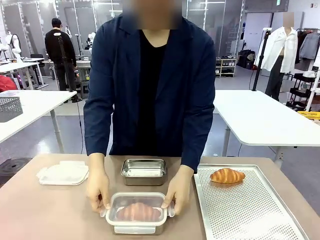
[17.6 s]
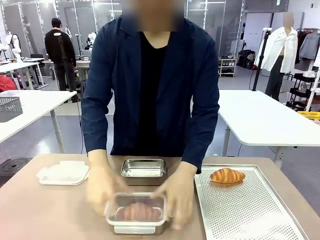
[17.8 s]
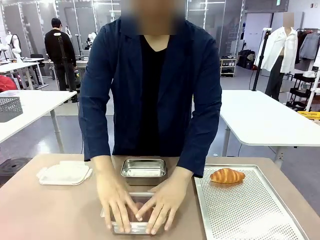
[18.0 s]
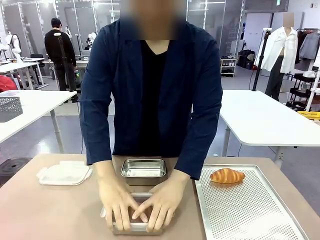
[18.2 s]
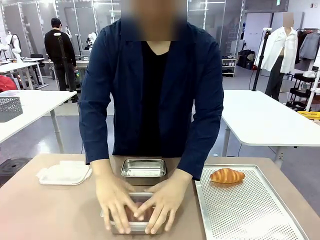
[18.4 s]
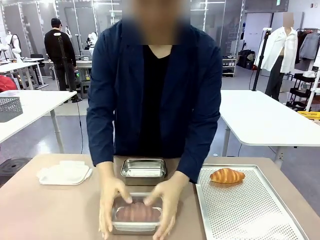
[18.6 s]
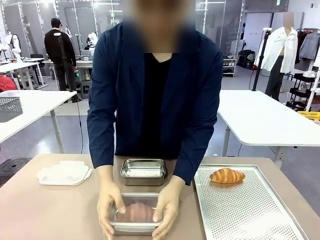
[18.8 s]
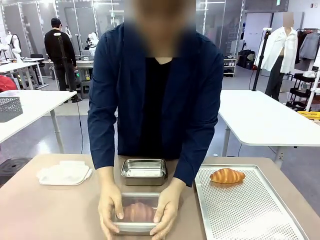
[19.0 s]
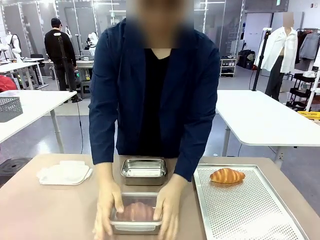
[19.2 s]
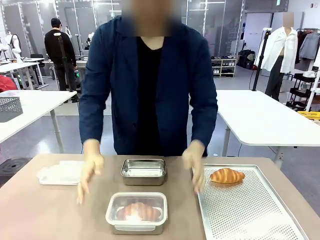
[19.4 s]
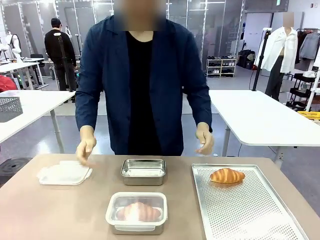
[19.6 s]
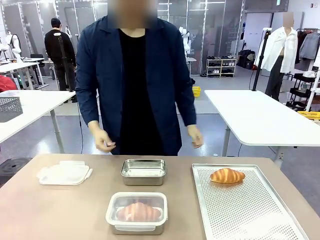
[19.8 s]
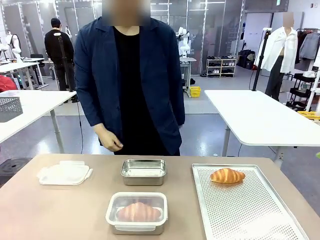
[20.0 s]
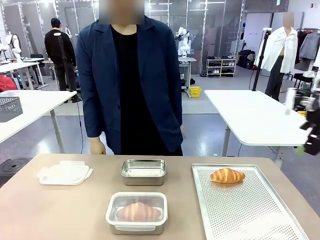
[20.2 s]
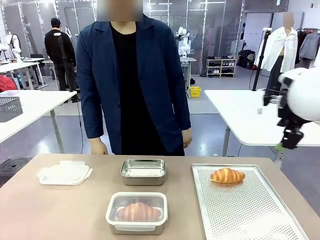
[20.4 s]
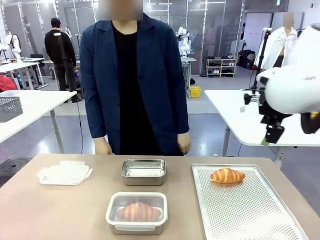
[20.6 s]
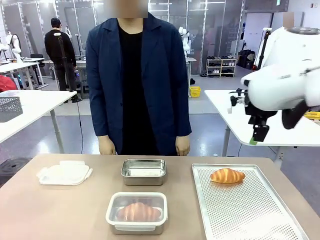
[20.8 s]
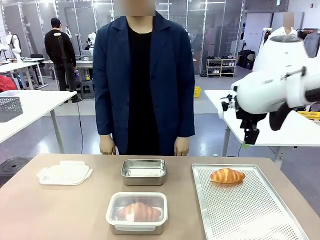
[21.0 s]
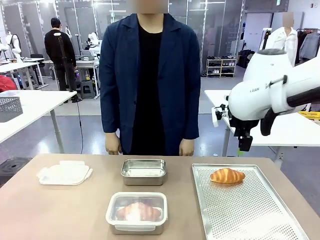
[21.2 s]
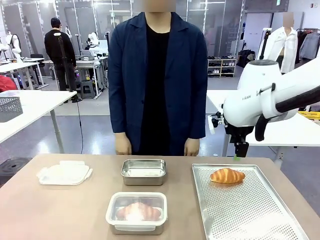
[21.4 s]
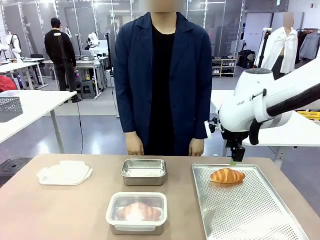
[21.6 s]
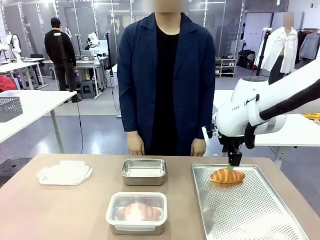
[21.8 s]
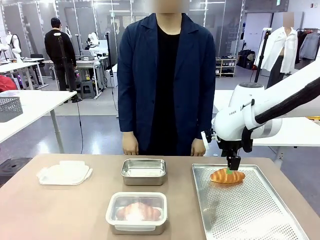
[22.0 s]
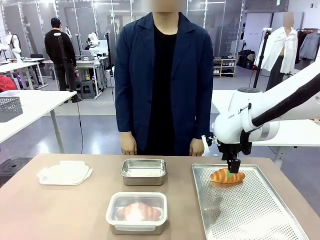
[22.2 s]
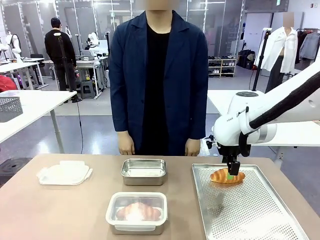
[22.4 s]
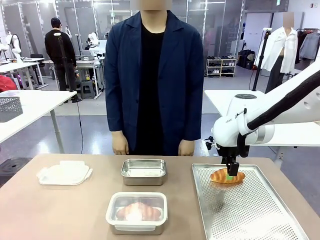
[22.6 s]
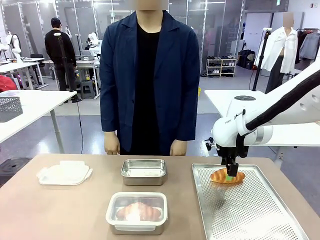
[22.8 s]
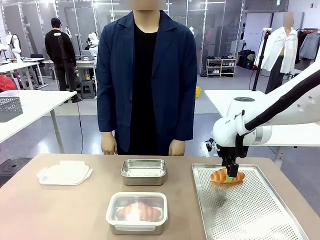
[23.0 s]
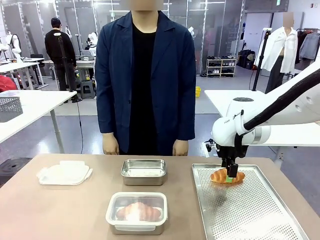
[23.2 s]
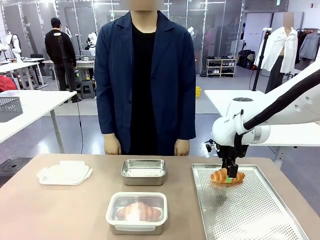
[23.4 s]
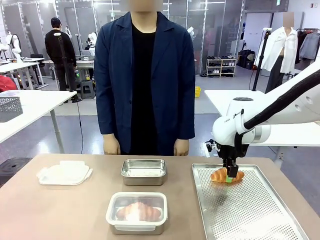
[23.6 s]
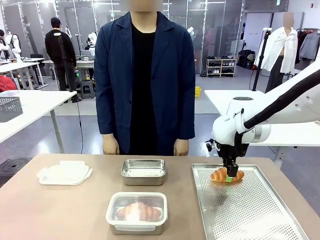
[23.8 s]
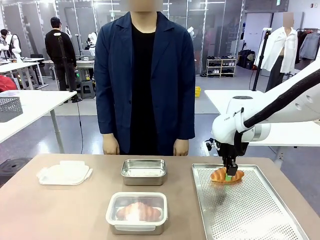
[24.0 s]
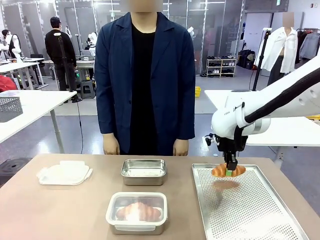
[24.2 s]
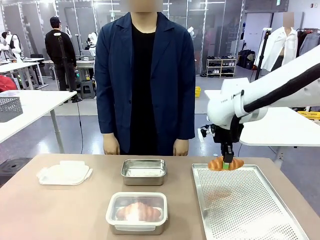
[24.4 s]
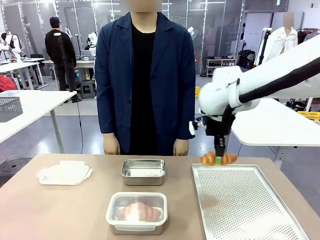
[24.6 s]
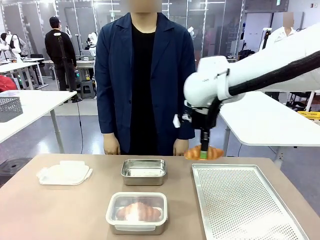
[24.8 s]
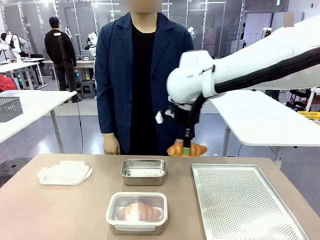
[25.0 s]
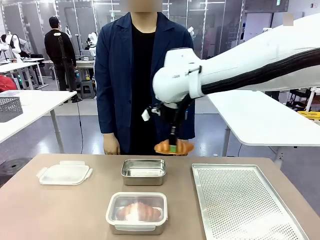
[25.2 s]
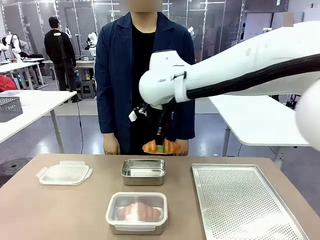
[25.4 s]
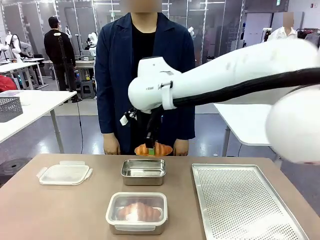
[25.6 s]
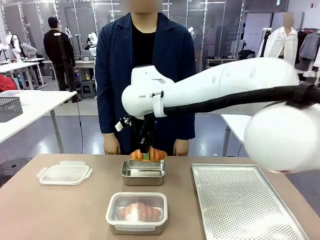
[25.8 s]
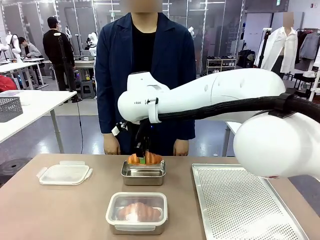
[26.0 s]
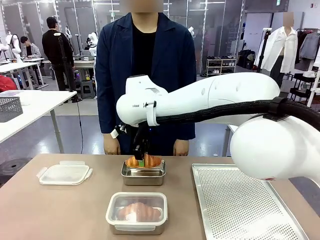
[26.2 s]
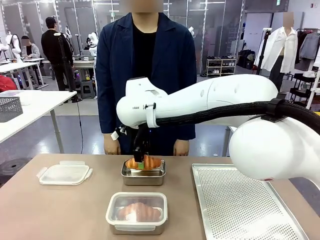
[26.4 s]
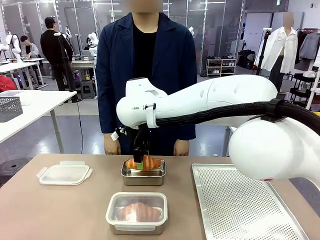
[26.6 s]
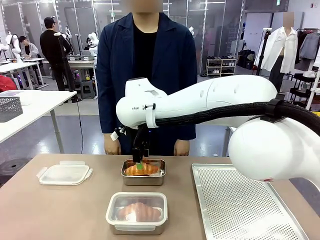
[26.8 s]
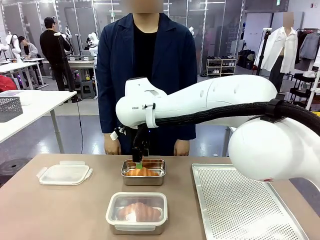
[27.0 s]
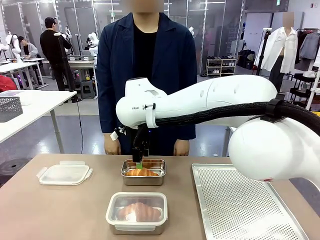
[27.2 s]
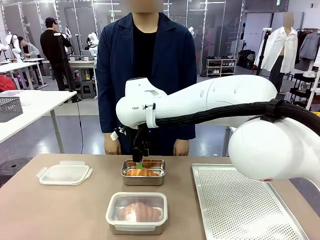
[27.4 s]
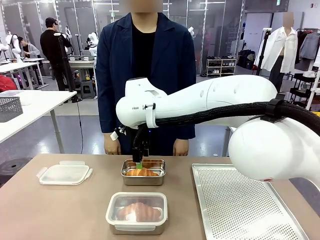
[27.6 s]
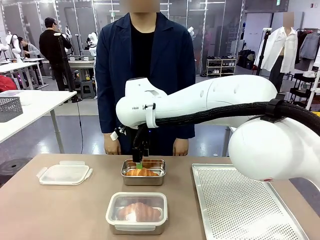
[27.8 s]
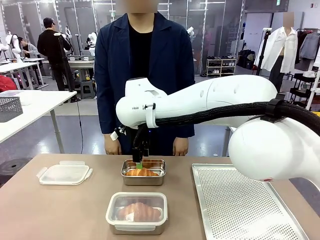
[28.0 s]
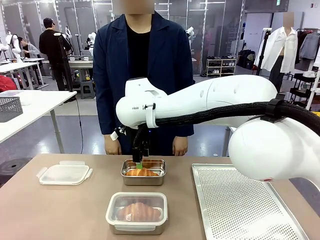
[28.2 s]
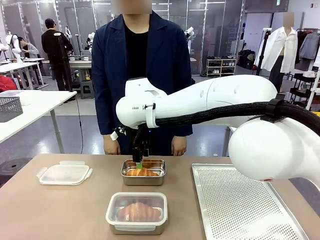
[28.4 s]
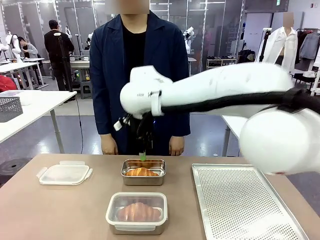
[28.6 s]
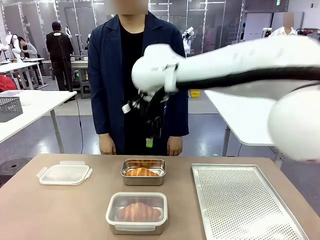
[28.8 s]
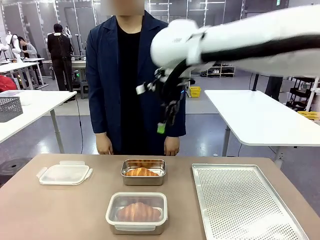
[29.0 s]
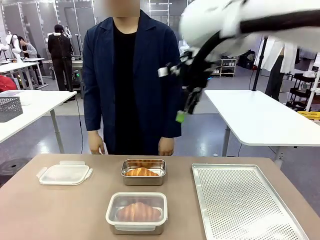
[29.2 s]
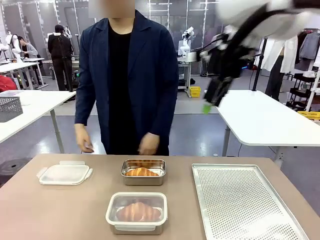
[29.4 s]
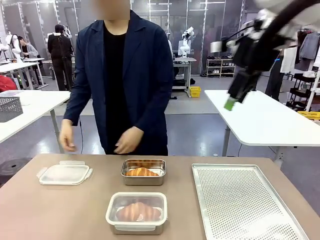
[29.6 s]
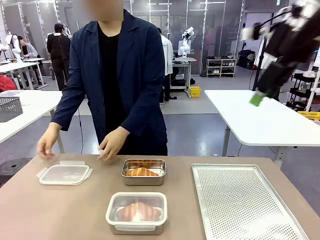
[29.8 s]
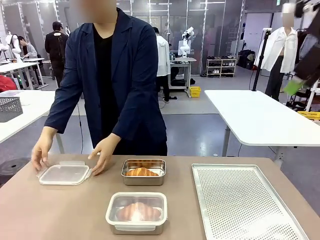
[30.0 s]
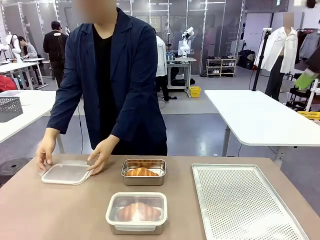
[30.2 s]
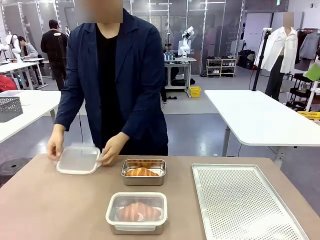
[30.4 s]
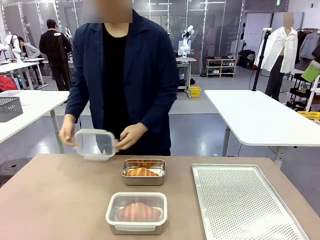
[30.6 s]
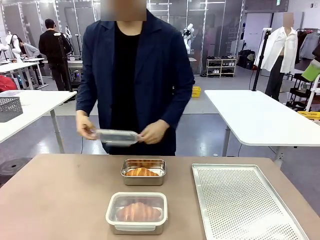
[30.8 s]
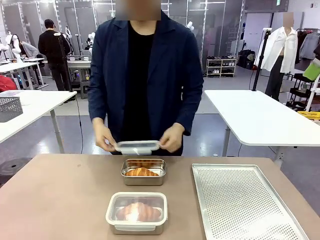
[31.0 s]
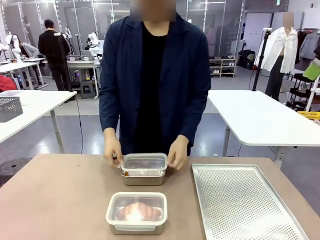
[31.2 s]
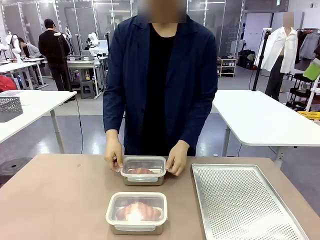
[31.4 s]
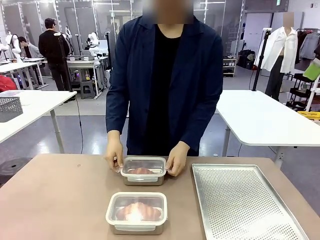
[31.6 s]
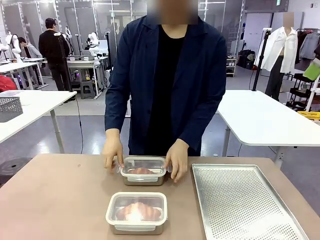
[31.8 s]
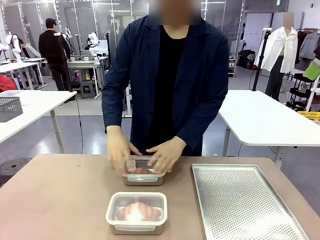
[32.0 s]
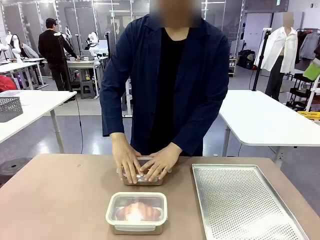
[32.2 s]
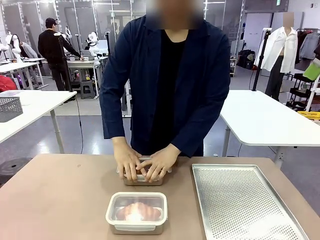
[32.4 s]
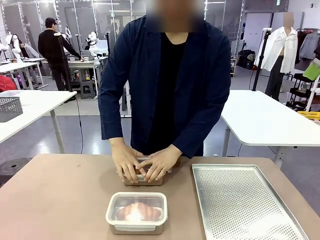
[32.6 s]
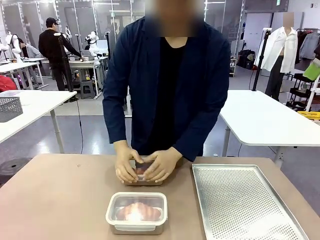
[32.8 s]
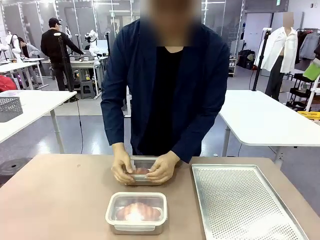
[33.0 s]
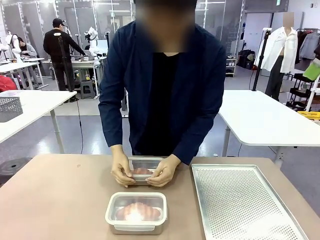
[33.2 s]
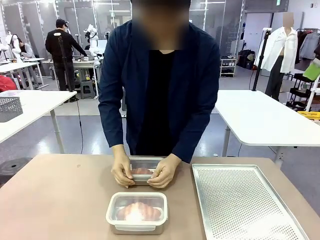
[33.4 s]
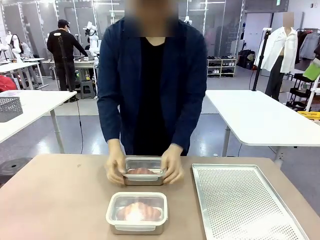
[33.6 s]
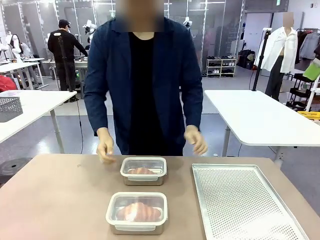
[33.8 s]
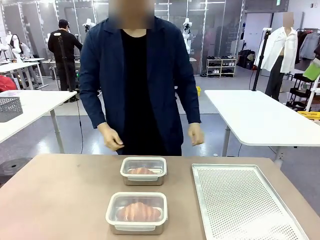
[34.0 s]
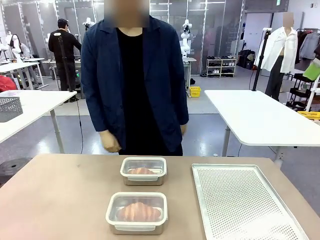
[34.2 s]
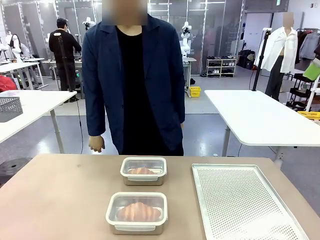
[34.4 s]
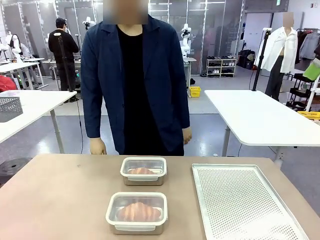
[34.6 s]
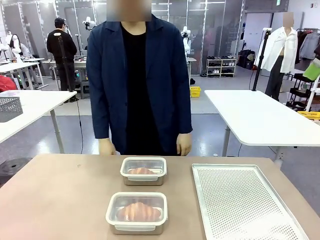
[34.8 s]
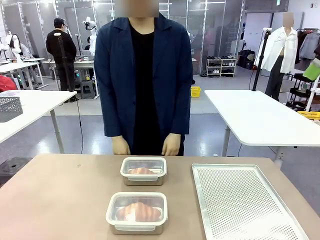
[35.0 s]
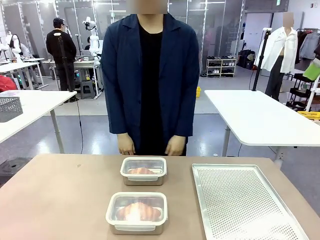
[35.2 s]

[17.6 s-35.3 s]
Task: Place the bread into the airtight container.
Robot: Pick up a Butter Roll and place it into an empty Airtight Container.
Person: Once a Butter Roll is inside an Airtight Container , close the lid of that Airtight Container.
